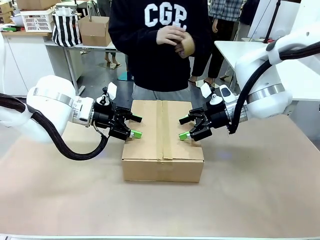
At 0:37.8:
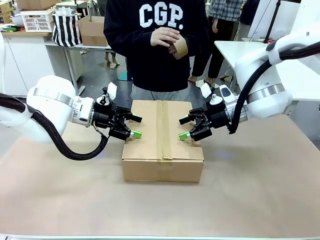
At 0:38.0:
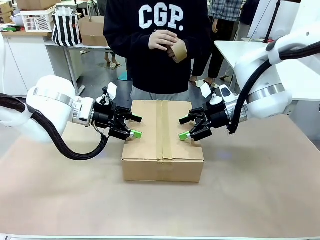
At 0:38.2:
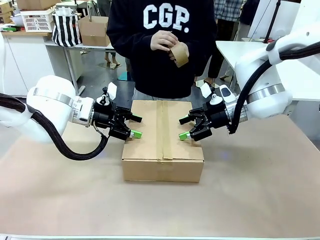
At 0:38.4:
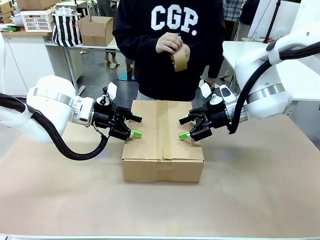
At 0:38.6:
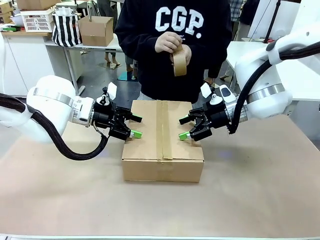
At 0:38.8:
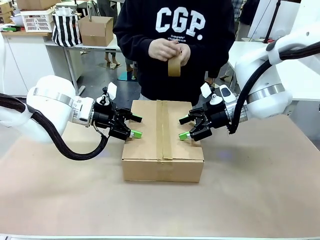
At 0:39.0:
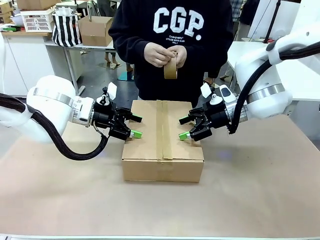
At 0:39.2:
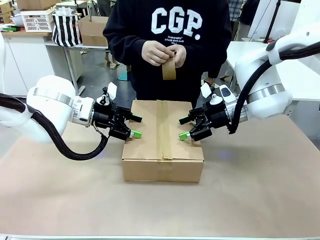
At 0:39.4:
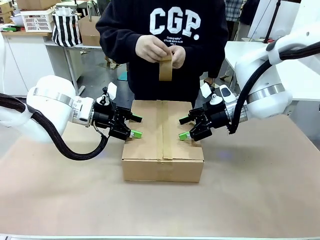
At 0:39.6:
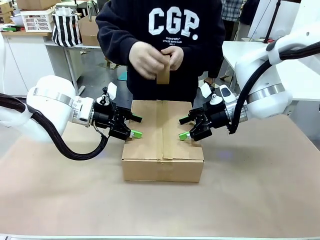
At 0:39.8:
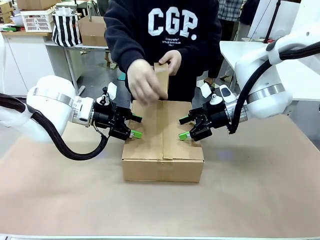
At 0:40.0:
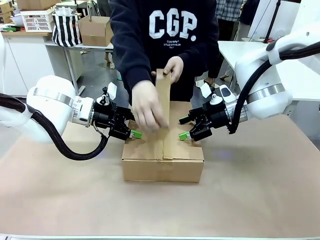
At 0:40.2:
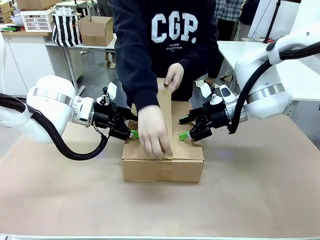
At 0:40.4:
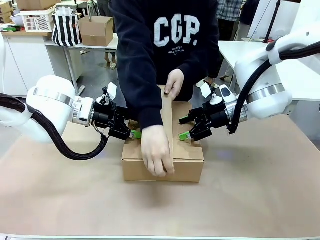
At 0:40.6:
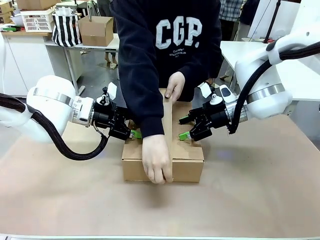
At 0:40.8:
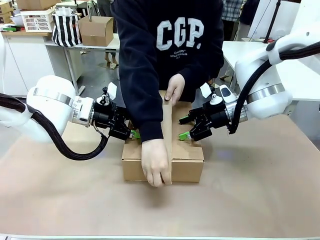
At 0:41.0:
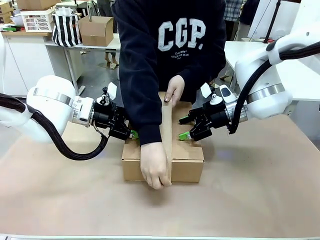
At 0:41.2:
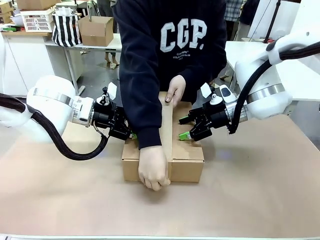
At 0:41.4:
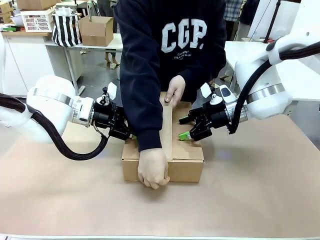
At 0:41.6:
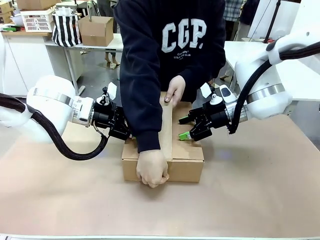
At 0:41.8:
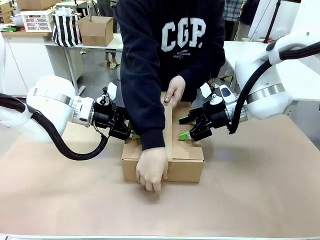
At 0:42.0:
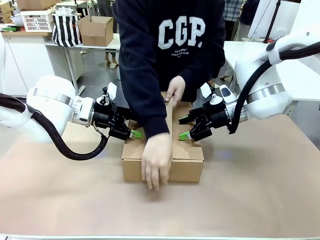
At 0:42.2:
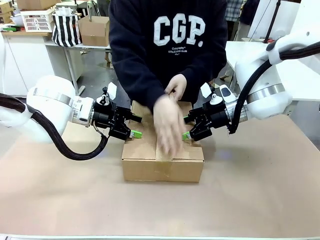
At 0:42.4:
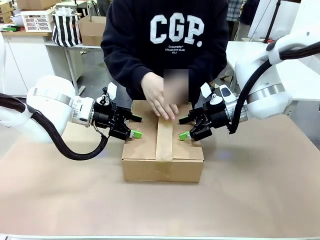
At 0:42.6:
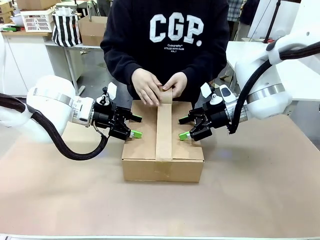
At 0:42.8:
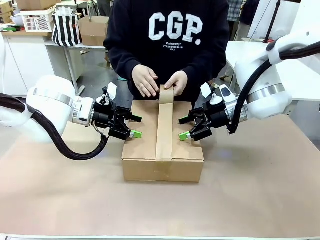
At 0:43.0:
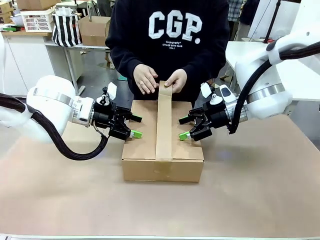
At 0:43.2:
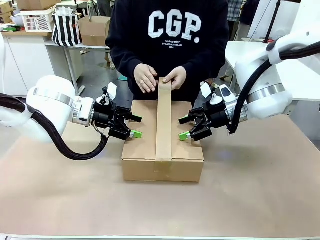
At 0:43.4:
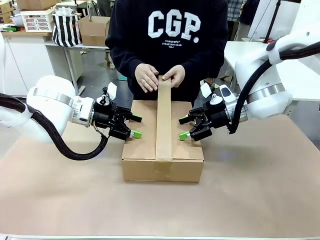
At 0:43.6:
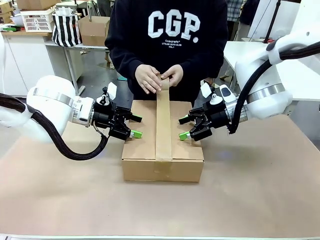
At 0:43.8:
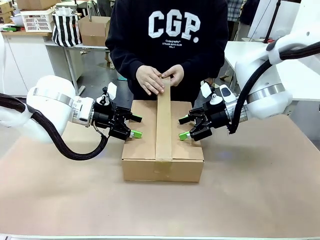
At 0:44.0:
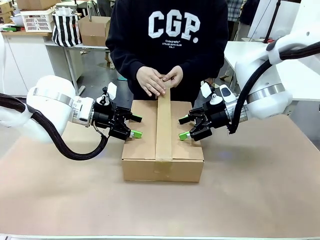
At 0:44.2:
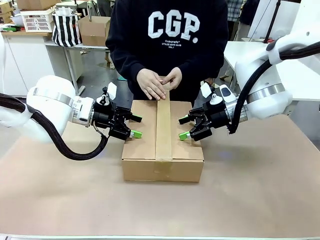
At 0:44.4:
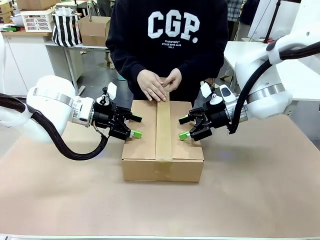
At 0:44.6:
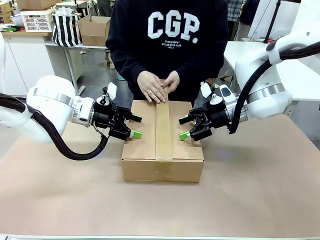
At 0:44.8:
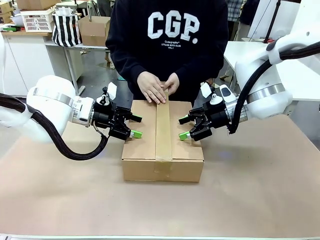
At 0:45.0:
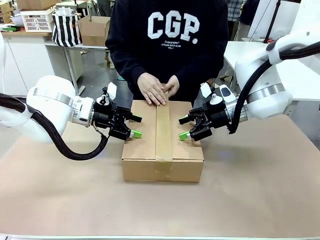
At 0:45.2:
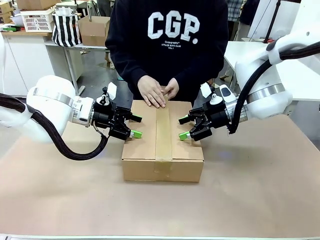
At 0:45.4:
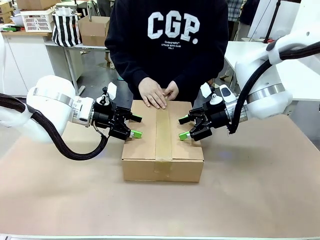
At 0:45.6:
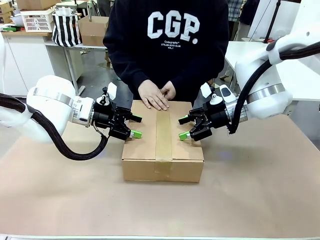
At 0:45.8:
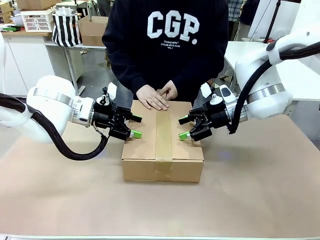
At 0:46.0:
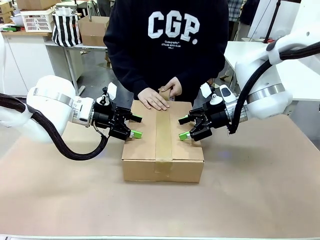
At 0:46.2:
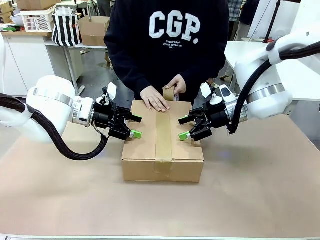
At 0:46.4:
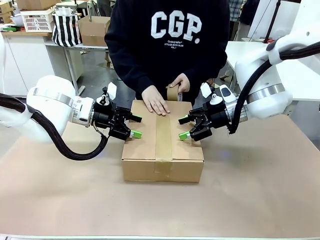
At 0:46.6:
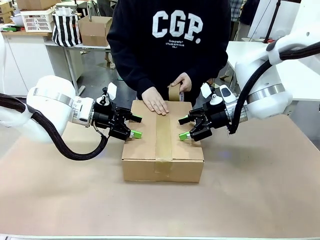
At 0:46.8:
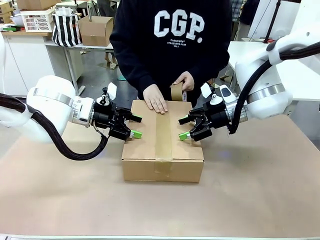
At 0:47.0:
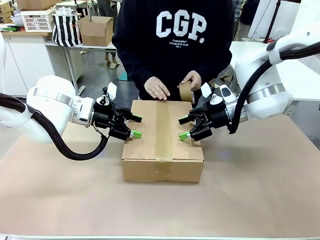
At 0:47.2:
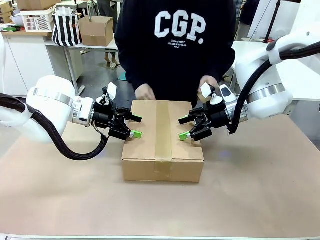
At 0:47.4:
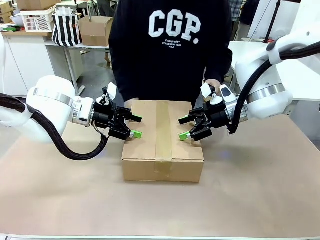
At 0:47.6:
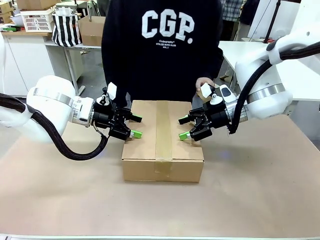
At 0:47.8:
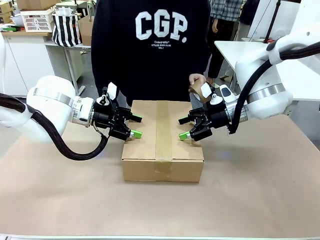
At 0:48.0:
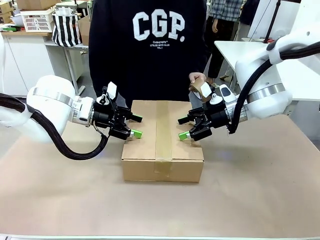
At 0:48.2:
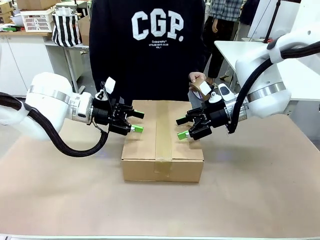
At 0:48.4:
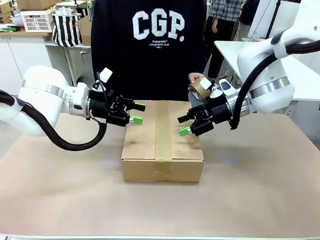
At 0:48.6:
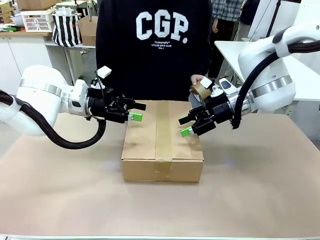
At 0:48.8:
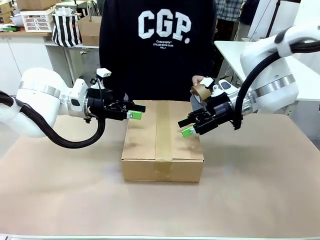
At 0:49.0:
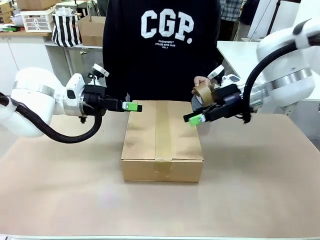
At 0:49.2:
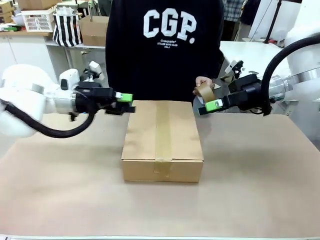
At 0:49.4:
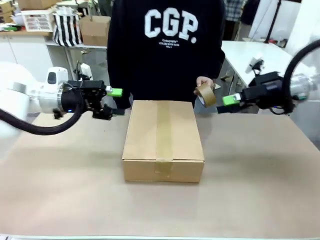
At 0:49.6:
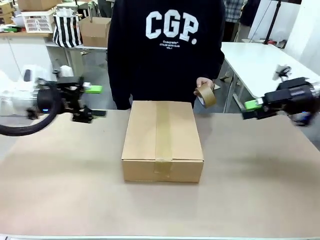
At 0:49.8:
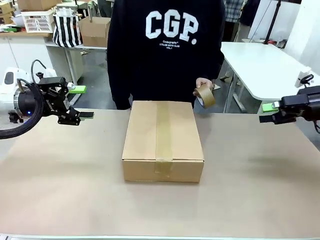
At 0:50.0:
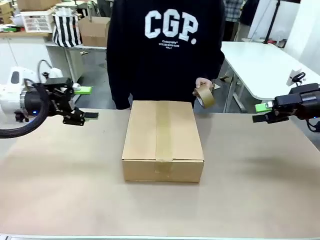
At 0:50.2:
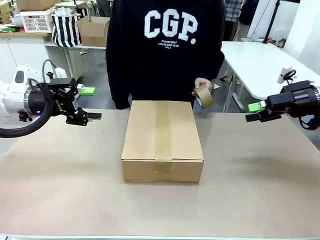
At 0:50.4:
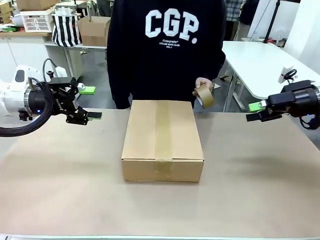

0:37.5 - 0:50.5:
Task: Pack the gift set into the box.
Robot: Press and hold the closed box until the human finishes sealing it.
Person: The human picks up the paper tape from the human table and packs the box.

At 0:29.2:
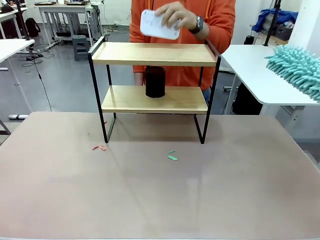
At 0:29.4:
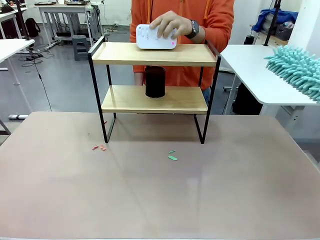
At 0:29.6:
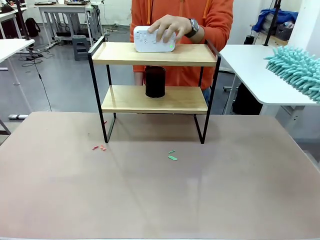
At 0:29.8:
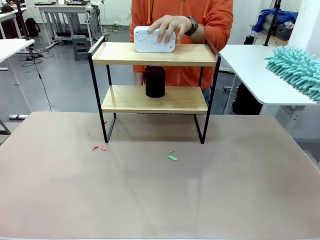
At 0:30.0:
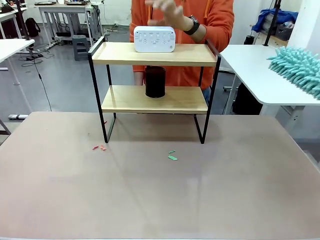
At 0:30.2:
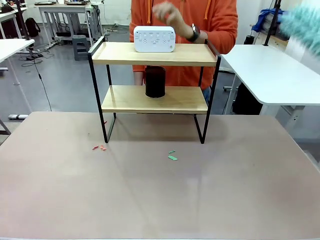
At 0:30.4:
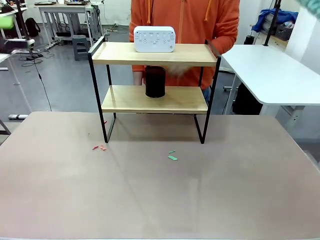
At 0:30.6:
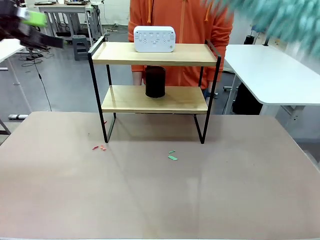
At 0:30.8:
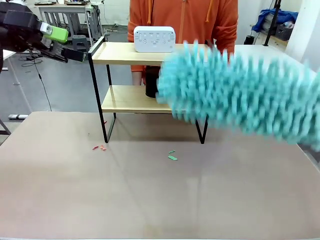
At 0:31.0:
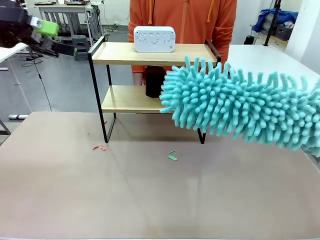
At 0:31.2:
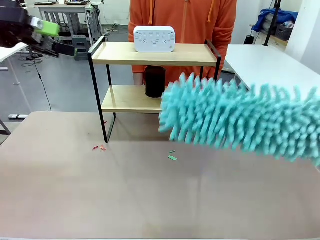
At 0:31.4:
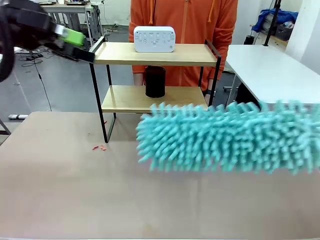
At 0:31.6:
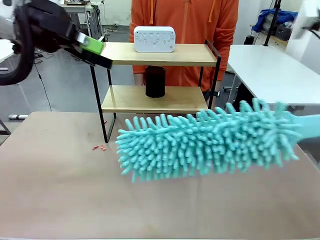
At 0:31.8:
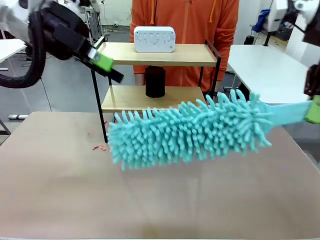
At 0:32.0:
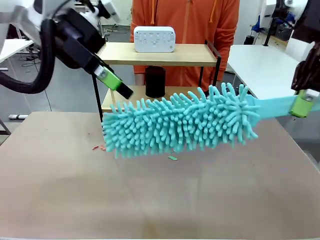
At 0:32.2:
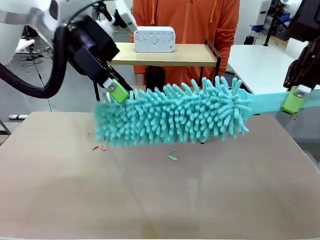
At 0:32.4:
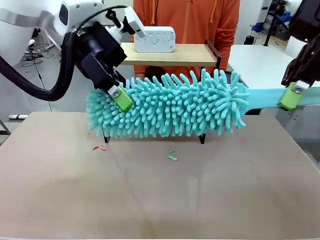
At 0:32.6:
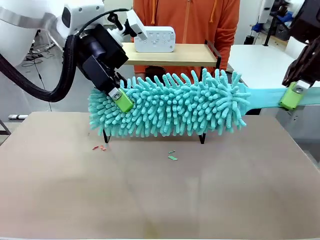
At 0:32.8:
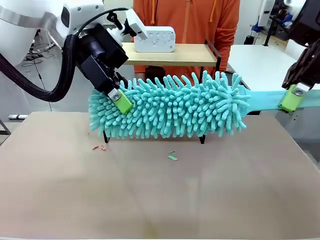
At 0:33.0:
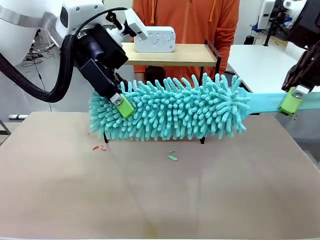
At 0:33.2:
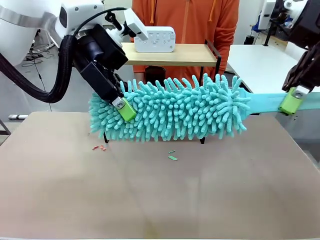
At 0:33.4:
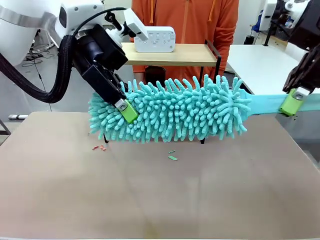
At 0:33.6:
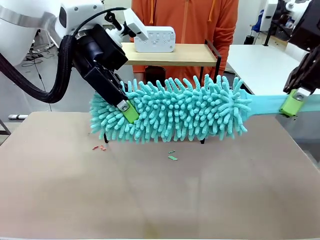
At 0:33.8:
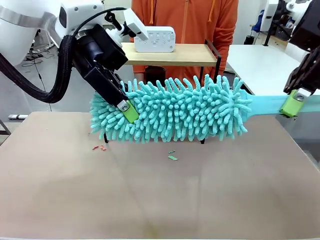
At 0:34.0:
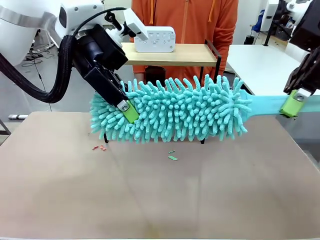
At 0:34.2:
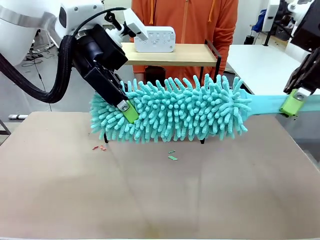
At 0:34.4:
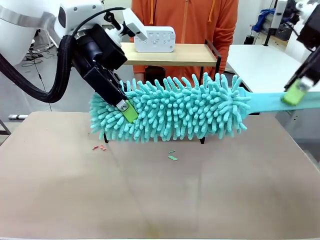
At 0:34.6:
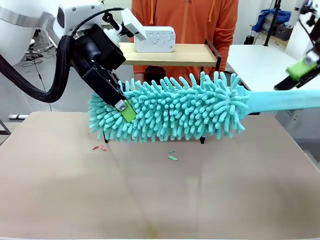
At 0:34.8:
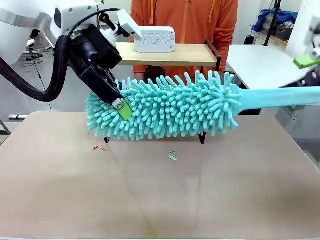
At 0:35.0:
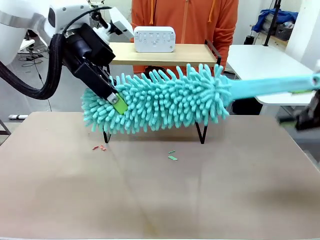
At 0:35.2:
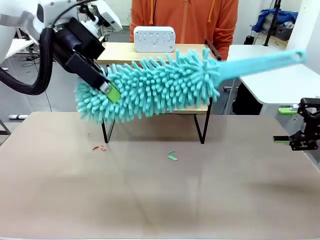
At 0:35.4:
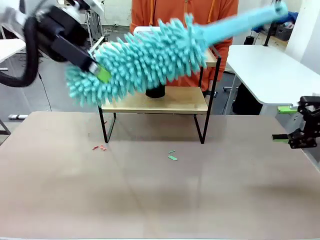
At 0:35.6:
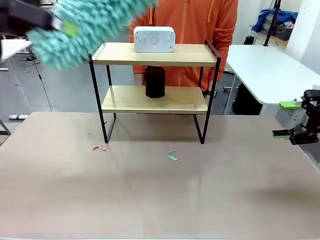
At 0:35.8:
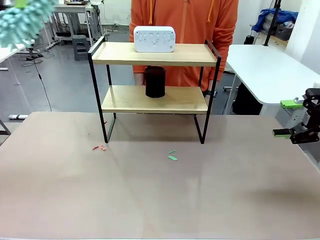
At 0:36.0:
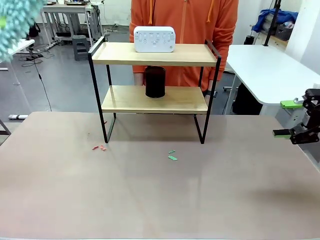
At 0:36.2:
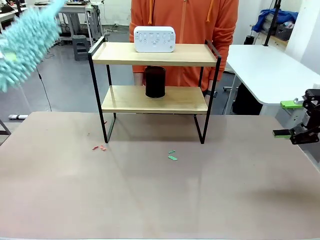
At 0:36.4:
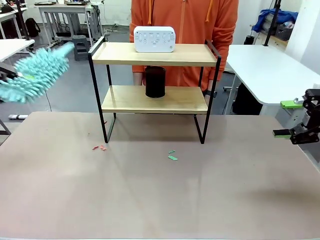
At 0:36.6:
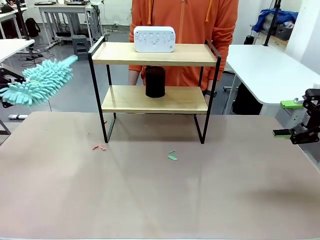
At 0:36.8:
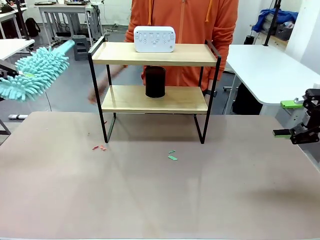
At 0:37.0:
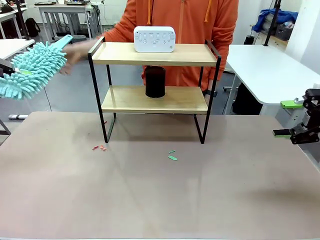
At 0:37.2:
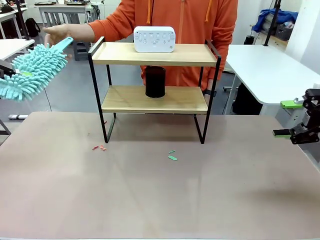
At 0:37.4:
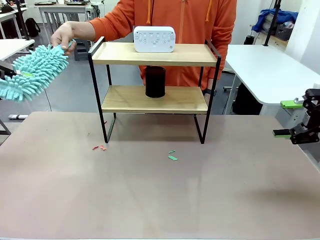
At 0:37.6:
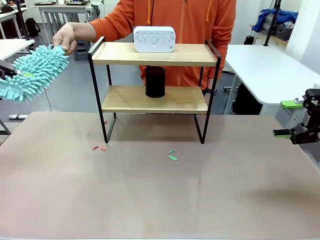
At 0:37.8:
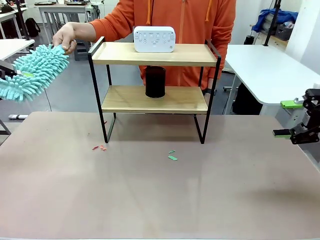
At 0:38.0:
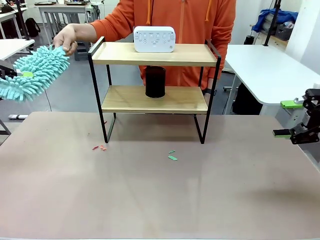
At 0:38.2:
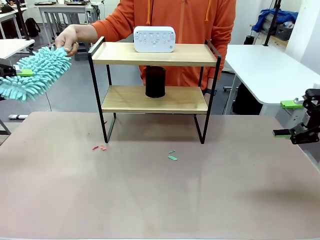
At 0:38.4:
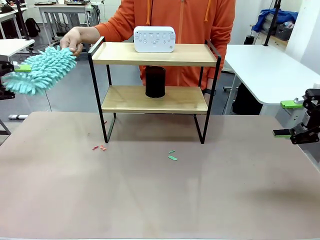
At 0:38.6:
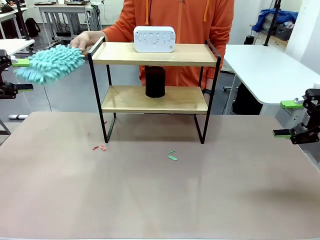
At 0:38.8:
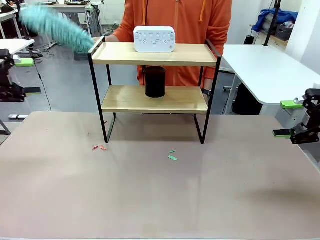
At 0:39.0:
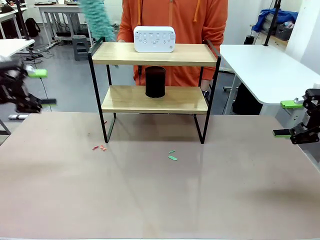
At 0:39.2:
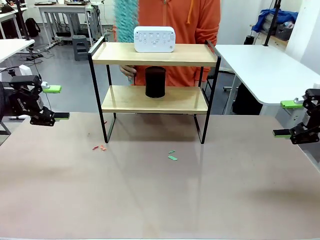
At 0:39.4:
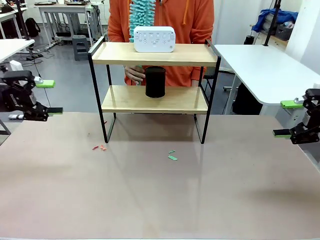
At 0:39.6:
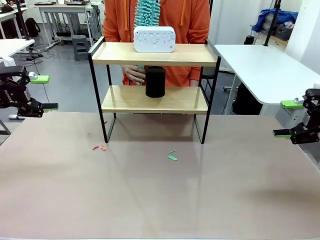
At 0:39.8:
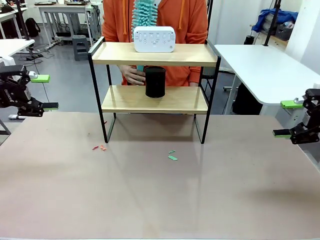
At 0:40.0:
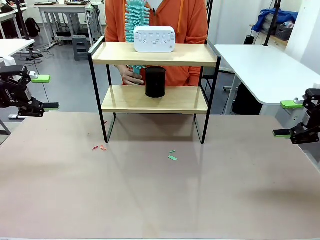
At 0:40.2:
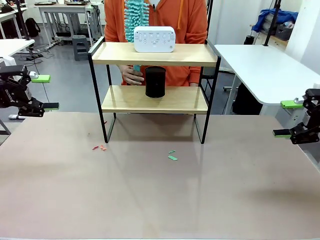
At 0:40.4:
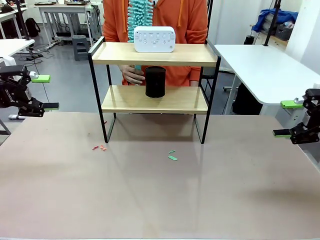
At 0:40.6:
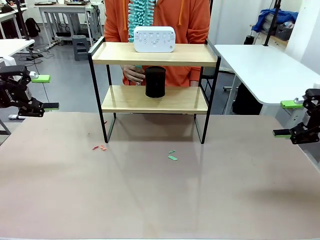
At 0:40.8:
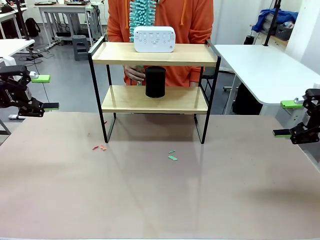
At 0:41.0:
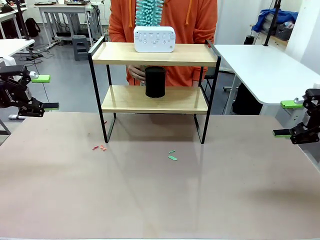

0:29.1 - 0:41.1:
Task: Clean the shelf.
Robot: Hand the Duster back to the human.
Person: Receive the Duster from the robot.
